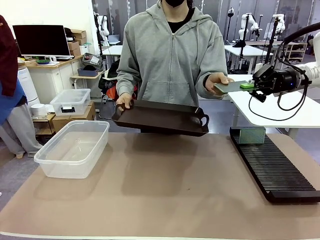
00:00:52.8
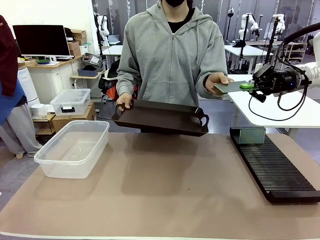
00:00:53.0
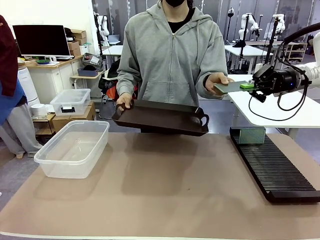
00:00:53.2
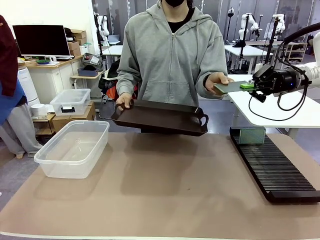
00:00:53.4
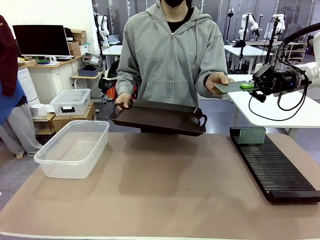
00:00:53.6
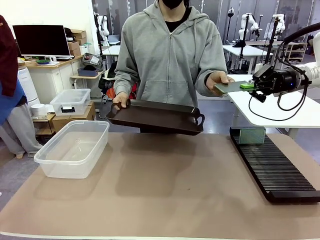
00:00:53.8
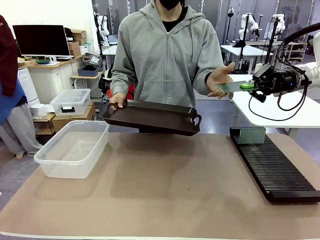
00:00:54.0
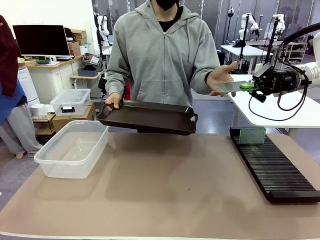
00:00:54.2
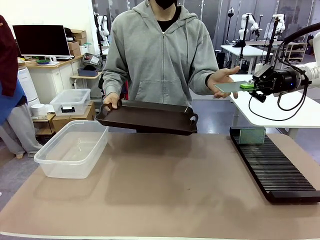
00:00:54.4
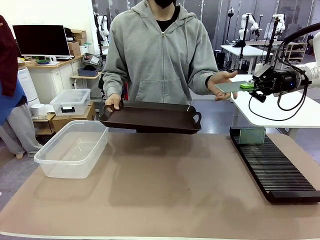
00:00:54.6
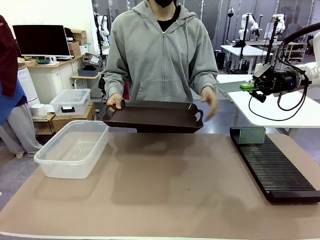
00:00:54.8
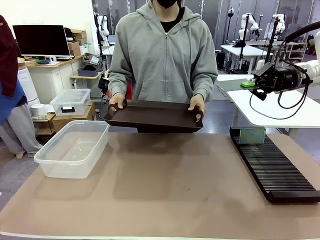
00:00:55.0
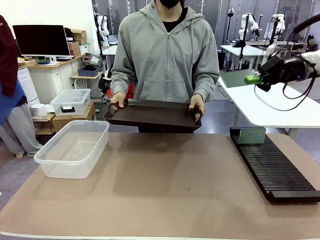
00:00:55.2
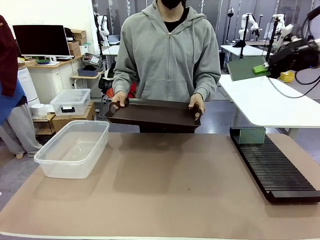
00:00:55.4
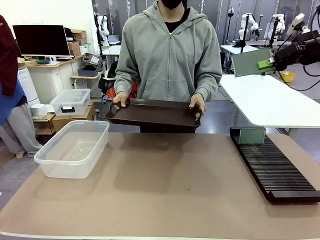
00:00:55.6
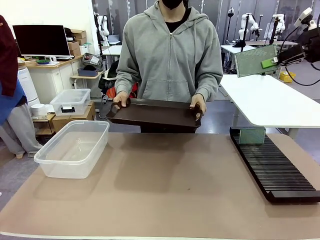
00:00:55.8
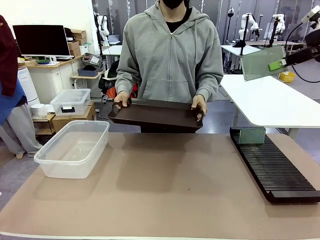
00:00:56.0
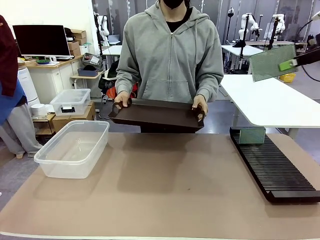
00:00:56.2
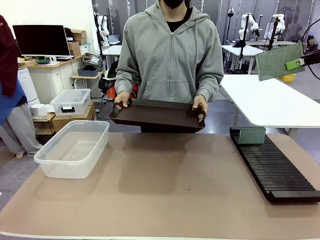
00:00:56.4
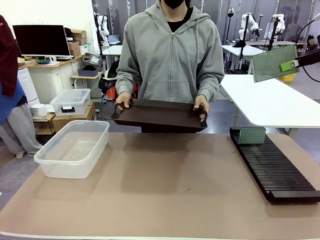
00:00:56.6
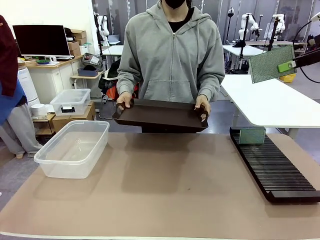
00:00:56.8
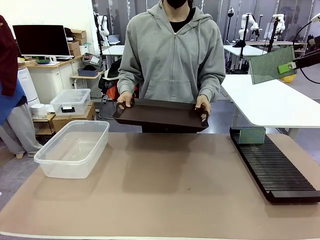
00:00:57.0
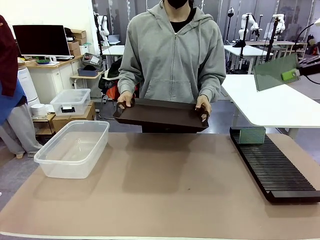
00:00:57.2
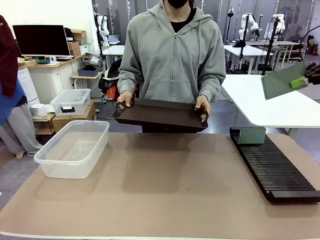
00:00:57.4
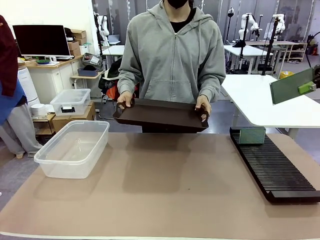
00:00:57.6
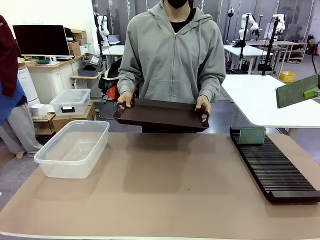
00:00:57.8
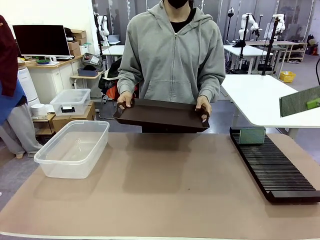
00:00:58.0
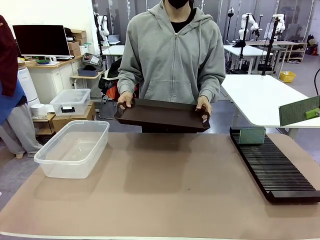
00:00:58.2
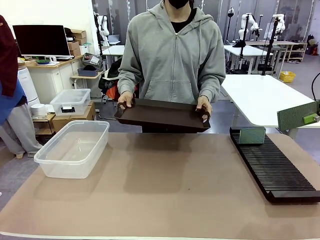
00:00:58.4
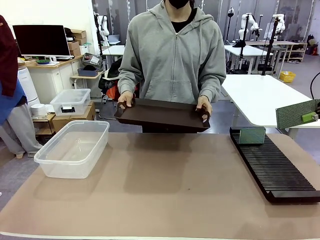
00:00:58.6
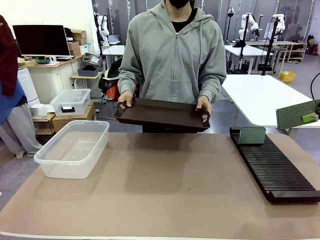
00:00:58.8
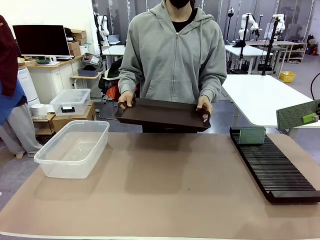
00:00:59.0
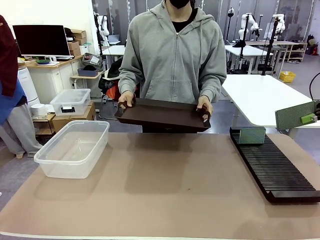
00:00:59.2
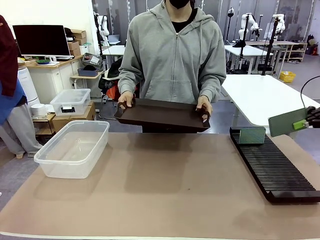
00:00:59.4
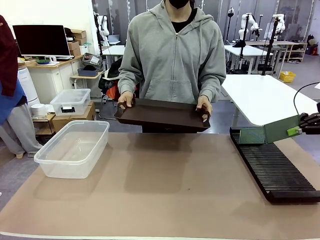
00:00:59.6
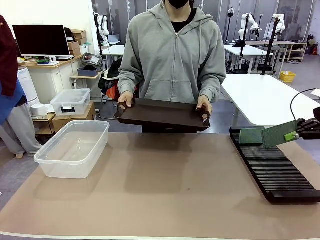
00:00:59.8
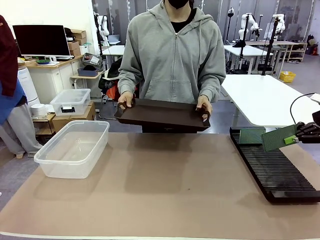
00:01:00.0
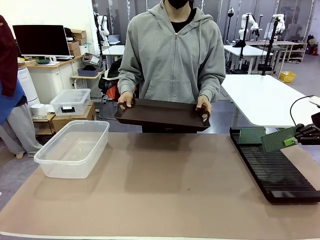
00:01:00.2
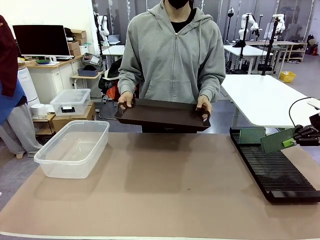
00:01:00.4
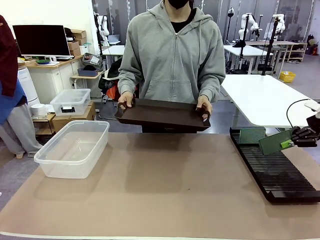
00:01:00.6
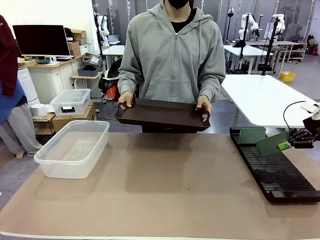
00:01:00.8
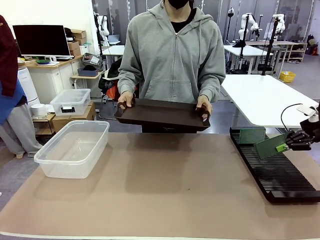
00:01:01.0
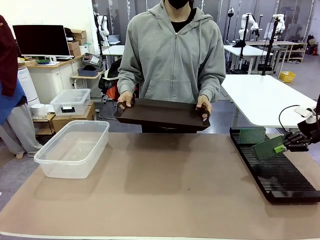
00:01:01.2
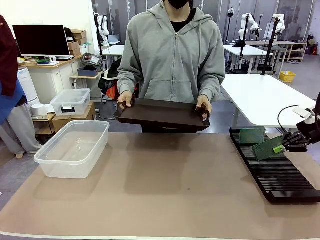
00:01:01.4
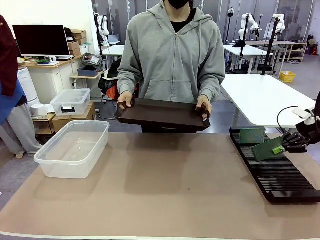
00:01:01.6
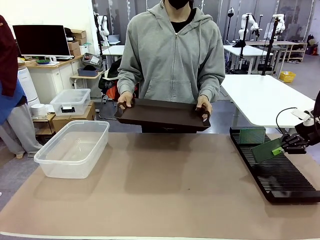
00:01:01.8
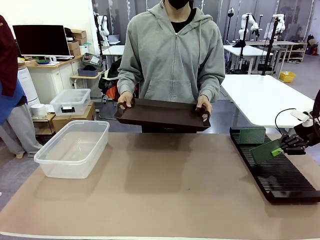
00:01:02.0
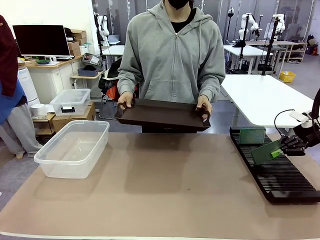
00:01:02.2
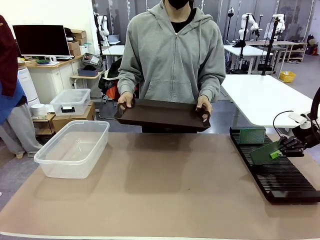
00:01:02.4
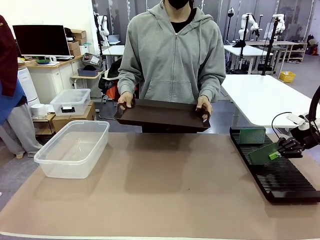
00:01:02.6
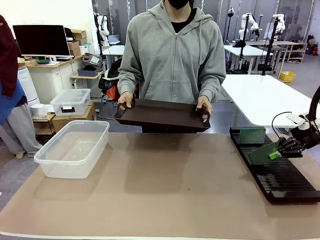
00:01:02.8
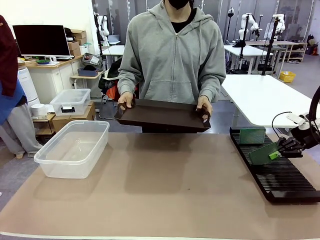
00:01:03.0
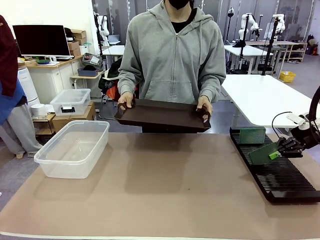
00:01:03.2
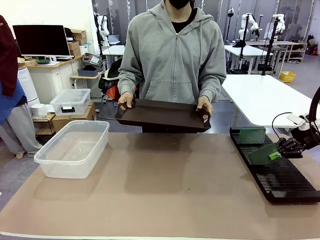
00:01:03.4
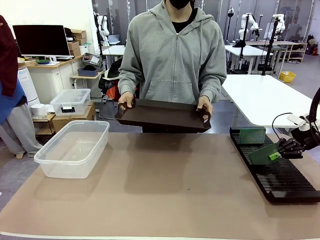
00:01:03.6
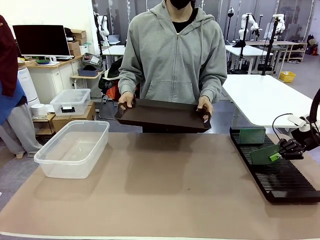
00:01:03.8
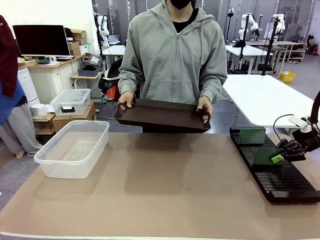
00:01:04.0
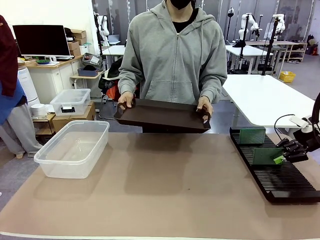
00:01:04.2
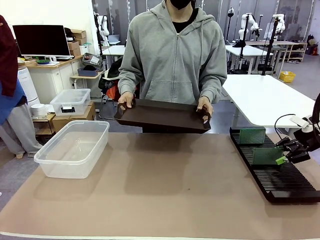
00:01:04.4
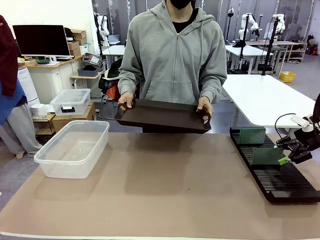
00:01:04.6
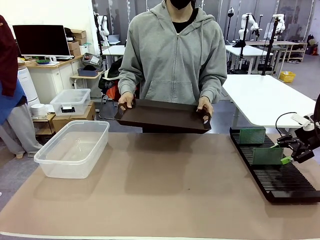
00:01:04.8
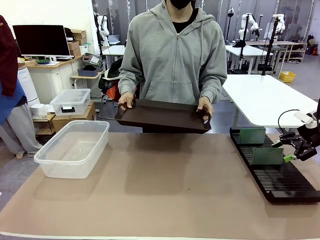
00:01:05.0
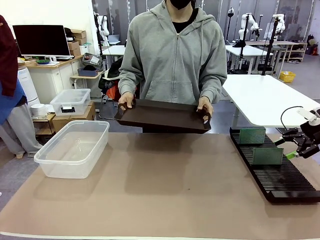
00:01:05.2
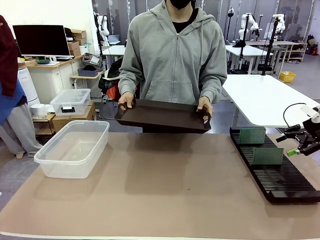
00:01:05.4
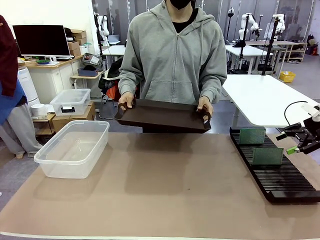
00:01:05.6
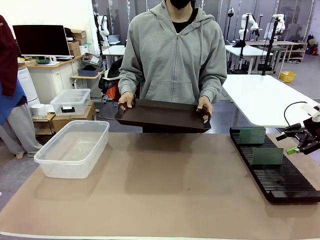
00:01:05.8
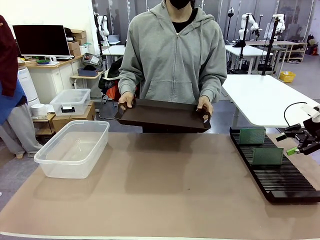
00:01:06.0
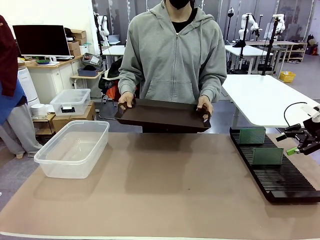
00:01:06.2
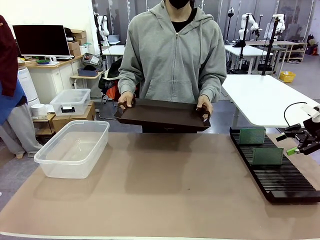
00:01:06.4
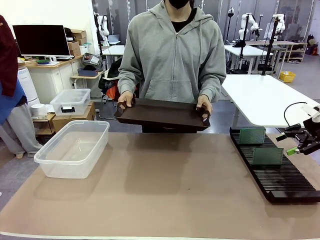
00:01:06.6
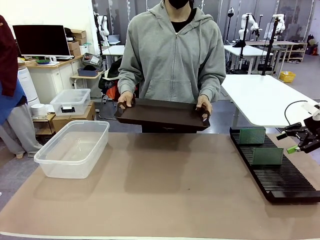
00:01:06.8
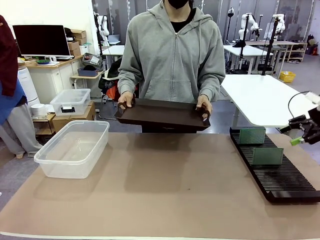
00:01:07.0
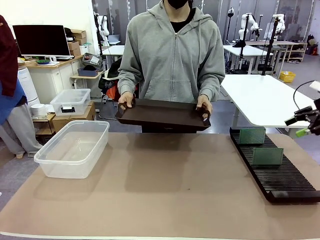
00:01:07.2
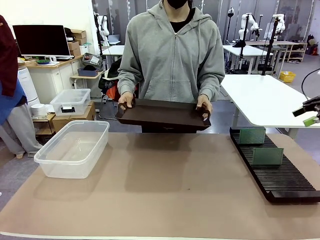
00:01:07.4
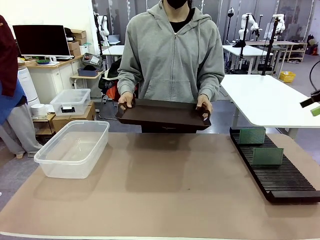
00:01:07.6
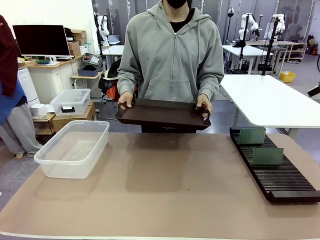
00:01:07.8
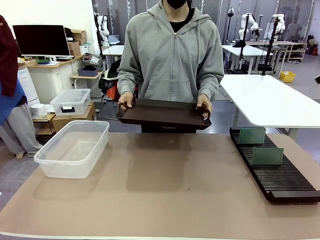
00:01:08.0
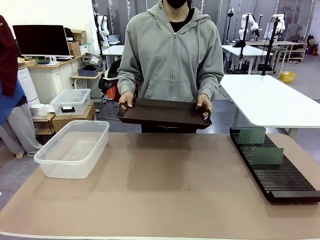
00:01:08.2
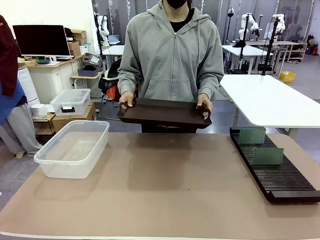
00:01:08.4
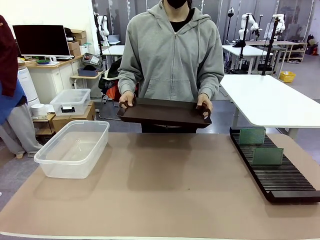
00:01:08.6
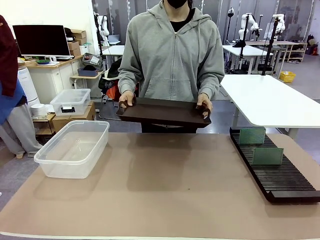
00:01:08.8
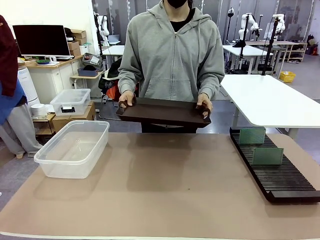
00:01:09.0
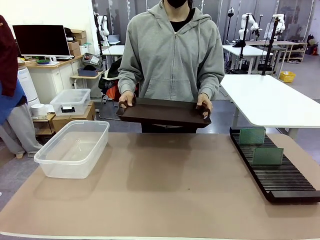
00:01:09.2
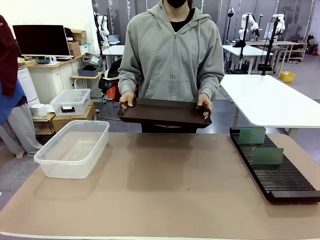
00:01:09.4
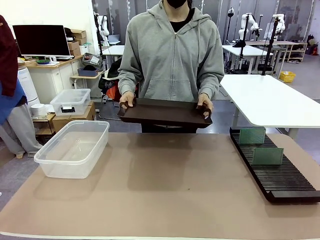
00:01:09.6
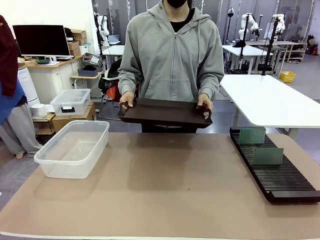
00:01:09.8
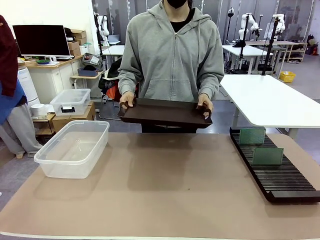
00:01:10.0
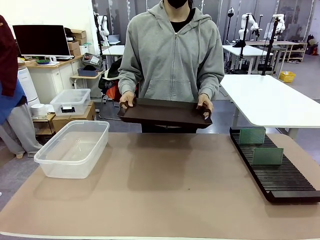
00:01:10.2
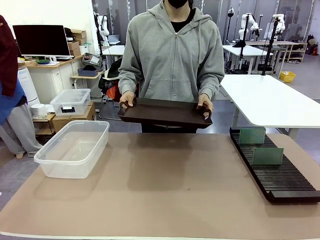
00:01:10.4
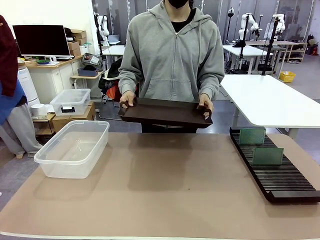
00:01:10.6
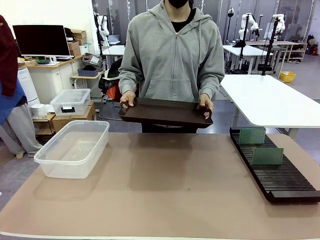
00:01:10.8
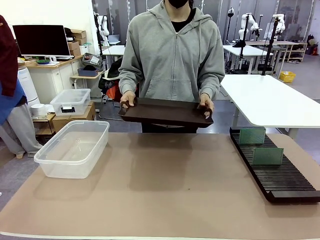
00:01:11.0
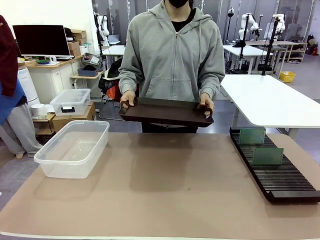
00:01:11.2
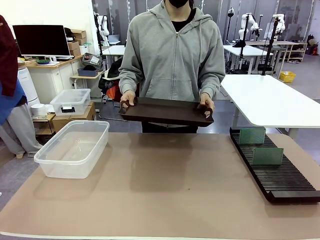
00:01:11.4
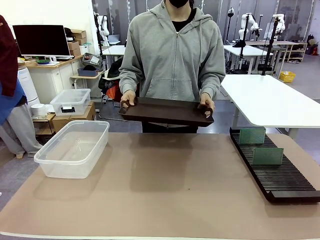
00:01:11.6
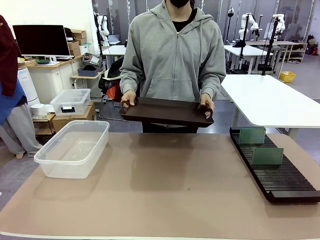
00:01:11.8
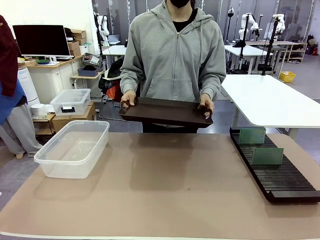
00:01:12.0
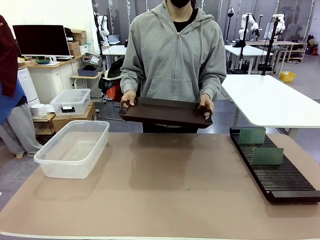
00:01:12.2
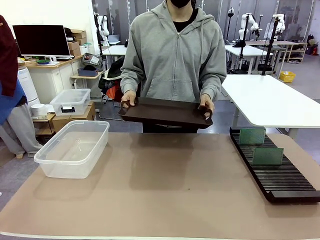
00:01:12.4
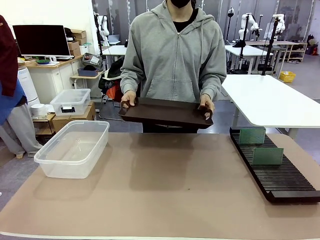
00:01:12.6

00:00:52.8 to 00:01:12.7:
Task: Sort PCBs into racks and boxes based on the side picked up.
Robot: If the short side of the Blank PCB is picked up, insert it into the PCB Rack ; if the long side is picked up, place it in the Organizing box.
Person: Release the PCB being held.
